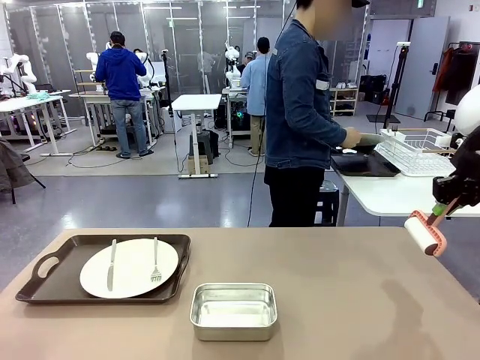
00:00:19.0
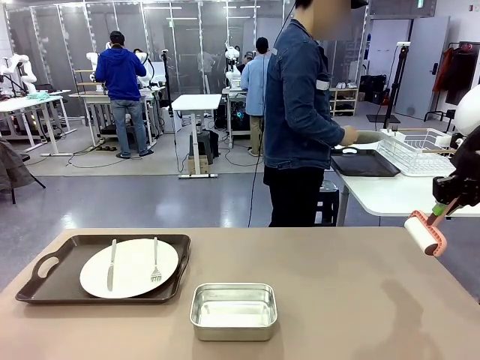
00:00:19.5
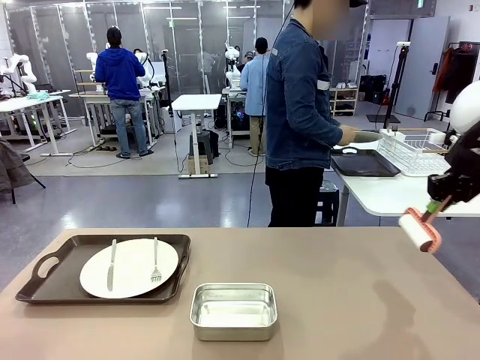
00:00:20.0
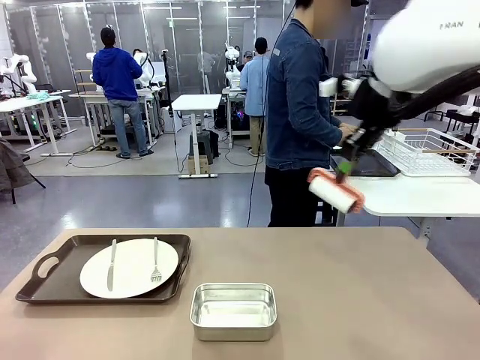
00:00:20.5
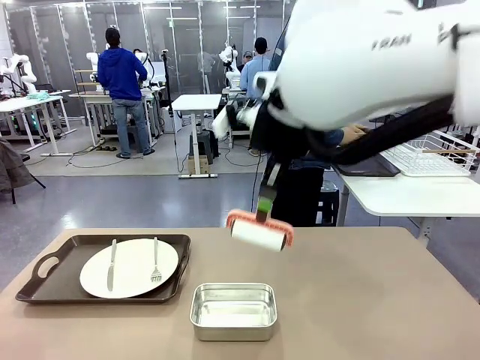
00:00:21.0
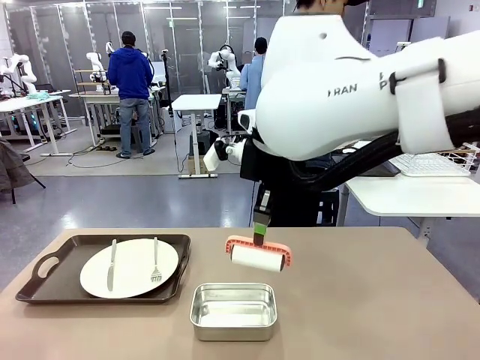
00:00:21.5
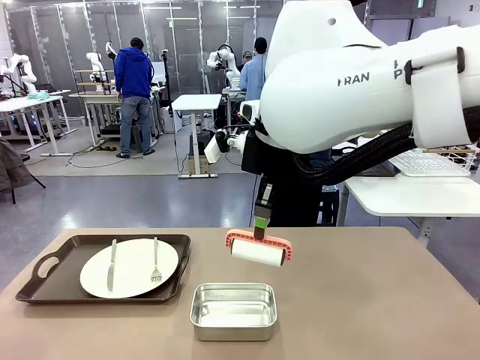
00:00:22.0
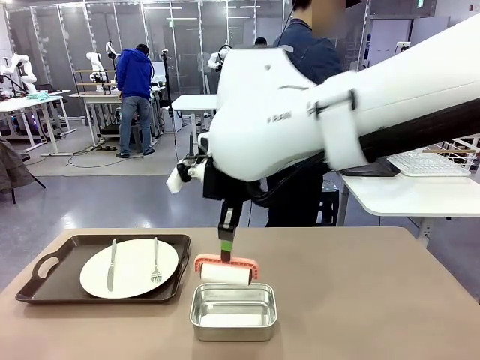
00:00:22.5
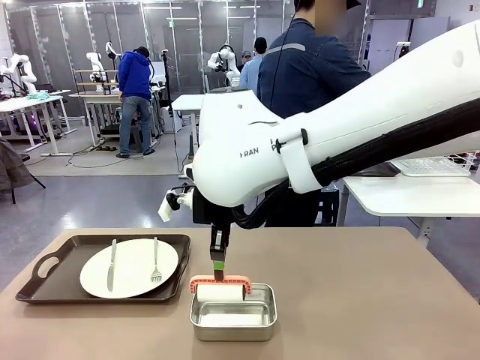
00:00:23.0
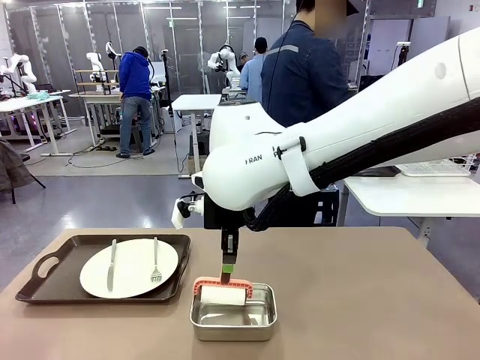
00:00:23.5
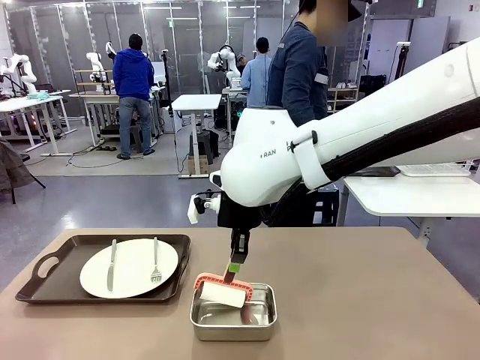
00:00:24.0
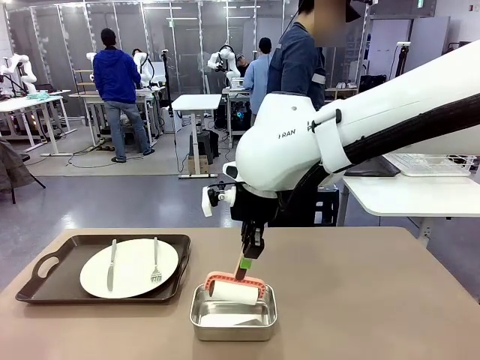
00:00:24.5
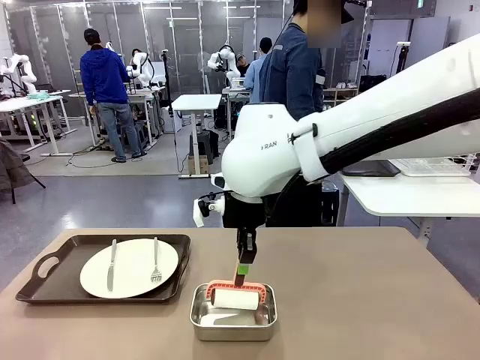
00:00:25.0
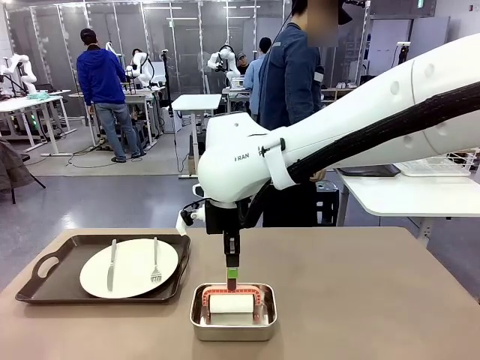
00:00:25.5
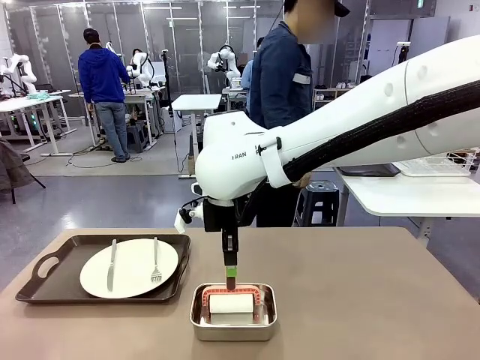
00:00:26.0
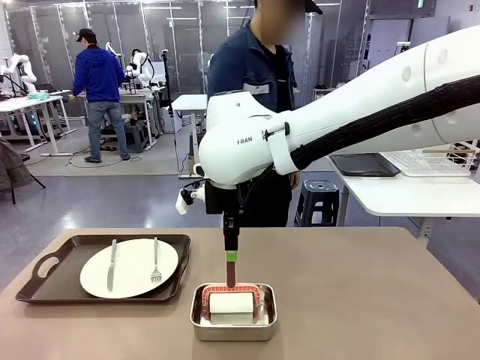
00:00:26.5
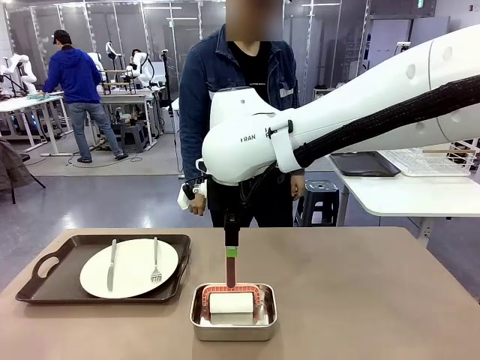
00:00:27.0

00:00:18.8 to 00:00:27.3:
Robot: Place the Lint Roller back on top of the Airtight Container.

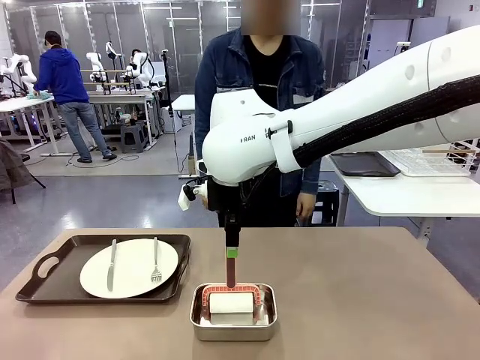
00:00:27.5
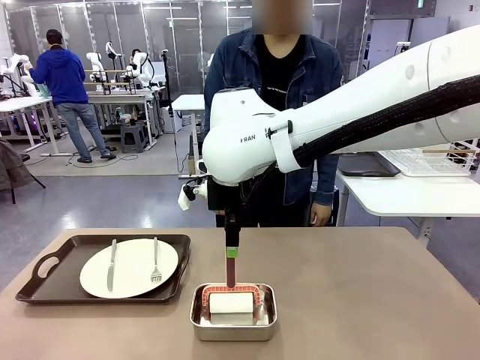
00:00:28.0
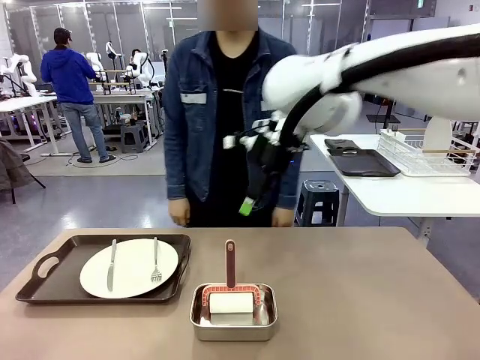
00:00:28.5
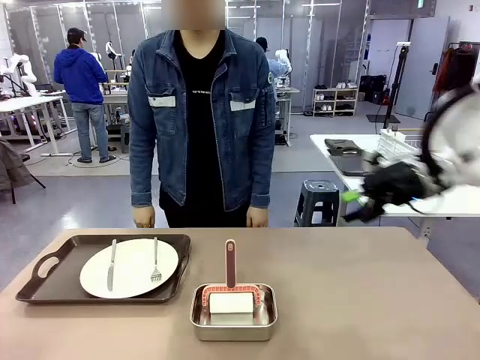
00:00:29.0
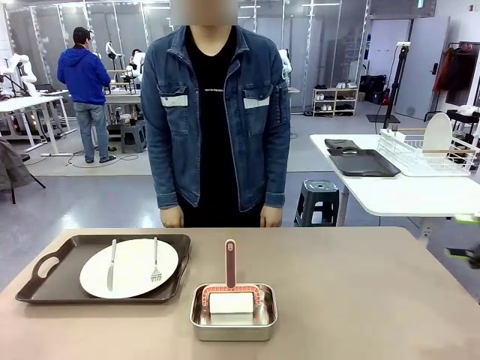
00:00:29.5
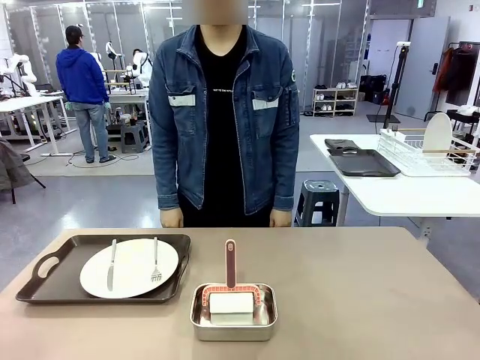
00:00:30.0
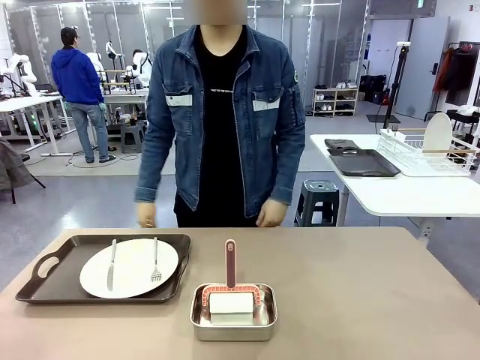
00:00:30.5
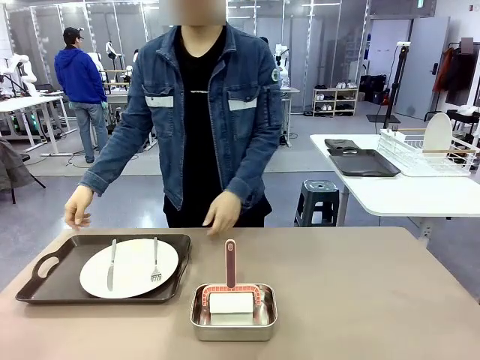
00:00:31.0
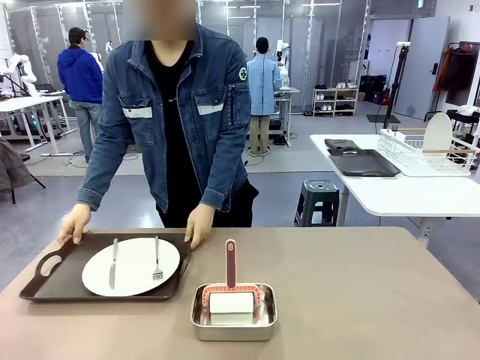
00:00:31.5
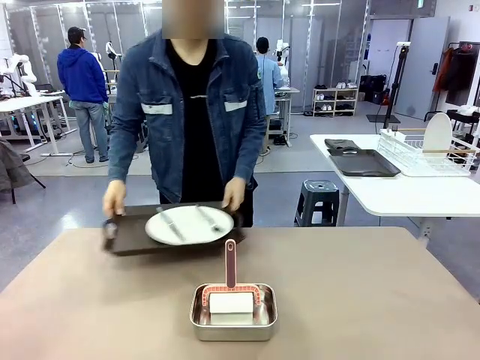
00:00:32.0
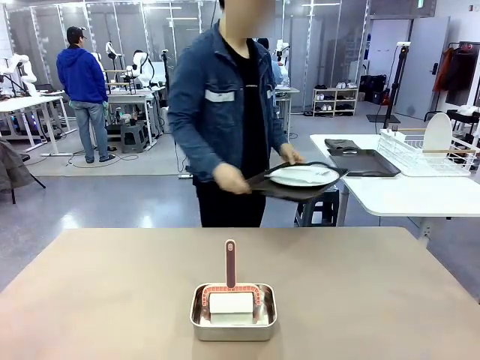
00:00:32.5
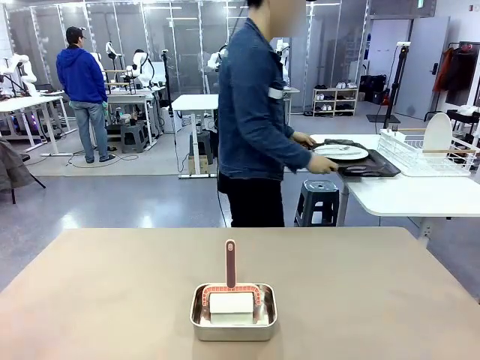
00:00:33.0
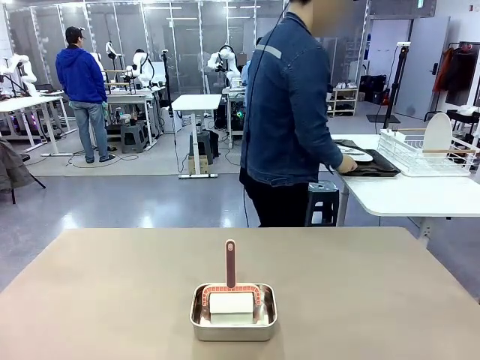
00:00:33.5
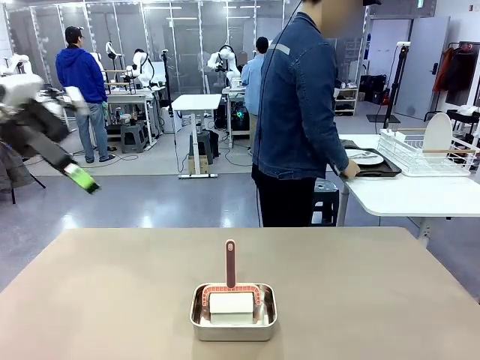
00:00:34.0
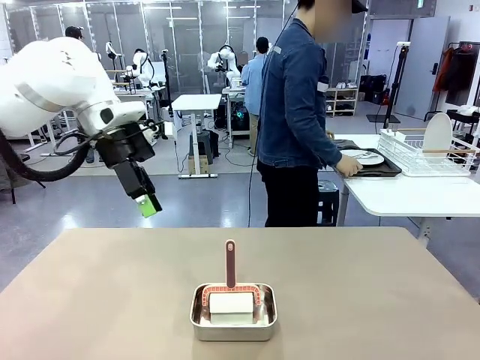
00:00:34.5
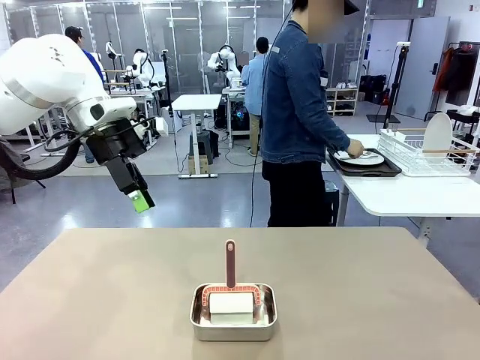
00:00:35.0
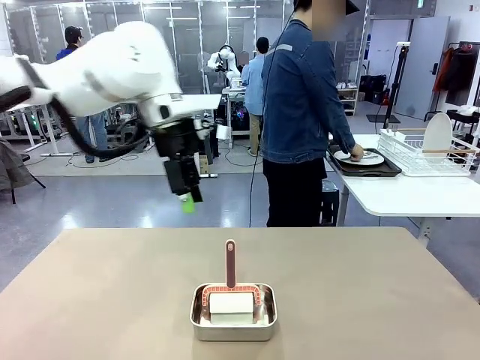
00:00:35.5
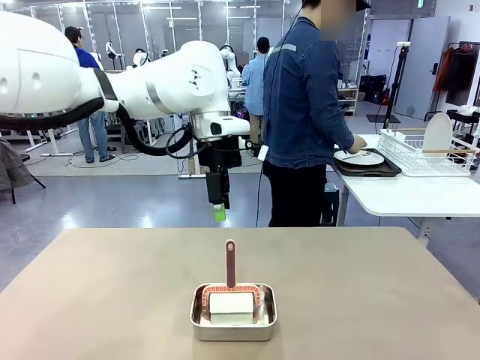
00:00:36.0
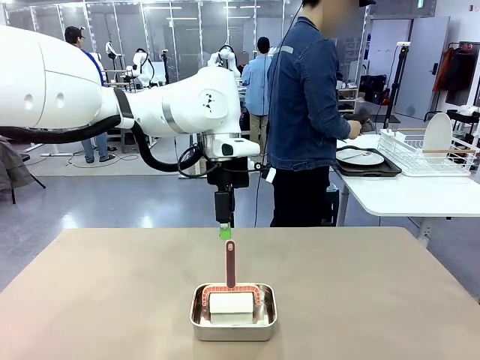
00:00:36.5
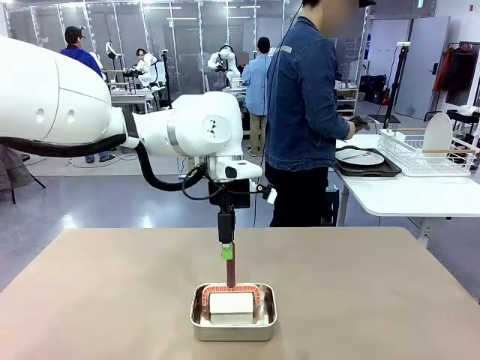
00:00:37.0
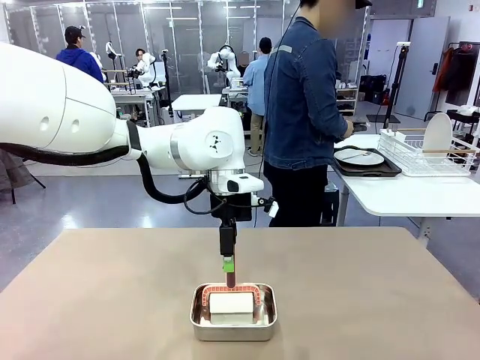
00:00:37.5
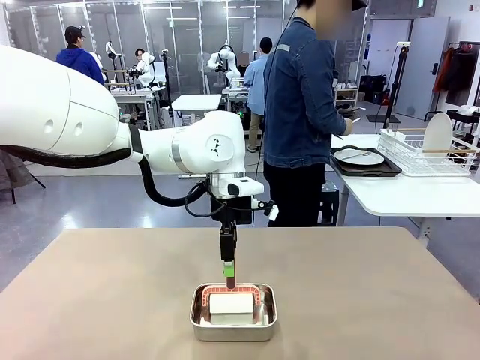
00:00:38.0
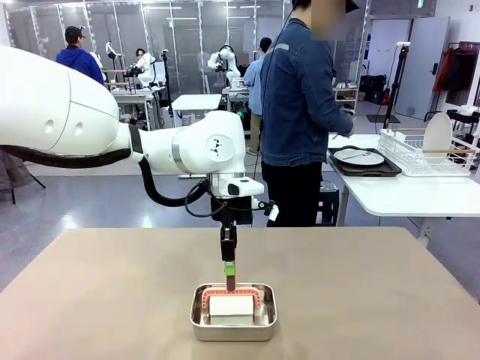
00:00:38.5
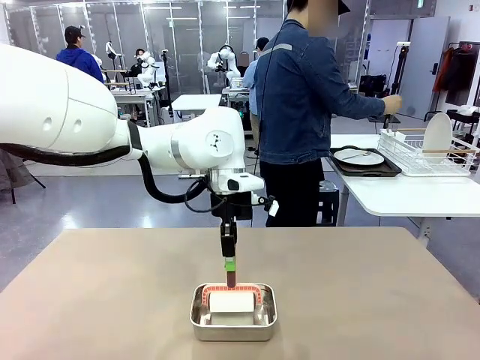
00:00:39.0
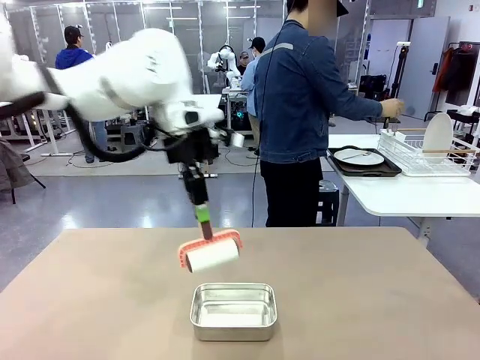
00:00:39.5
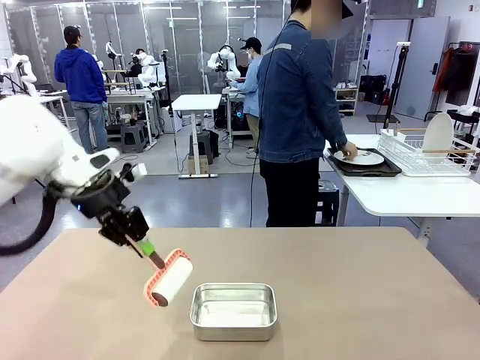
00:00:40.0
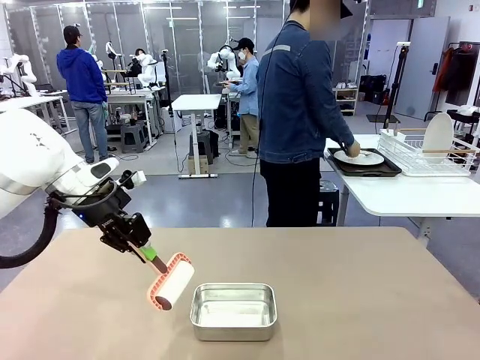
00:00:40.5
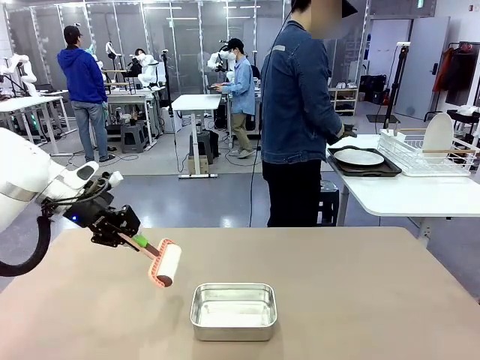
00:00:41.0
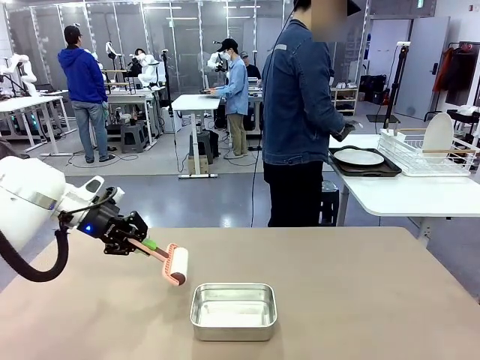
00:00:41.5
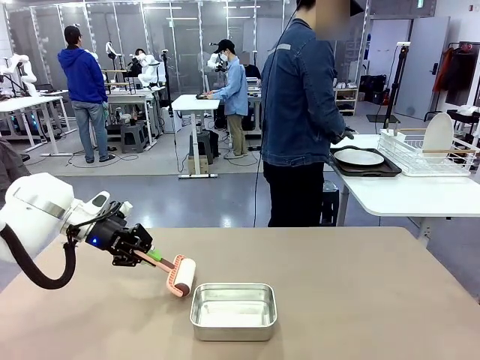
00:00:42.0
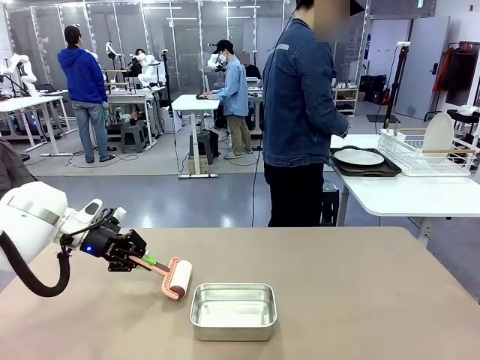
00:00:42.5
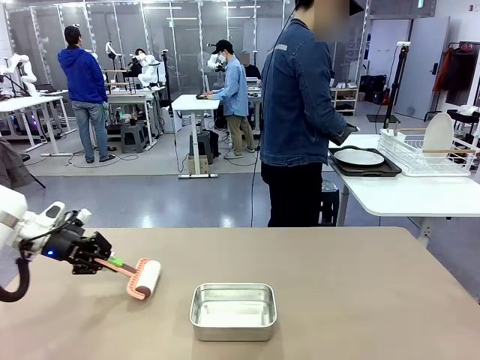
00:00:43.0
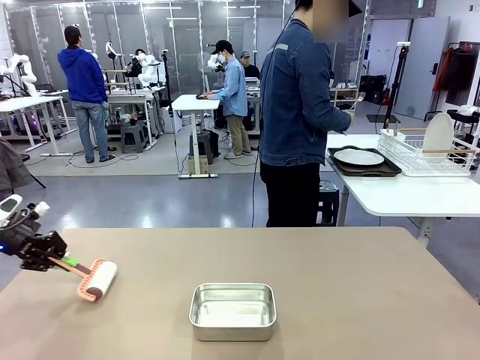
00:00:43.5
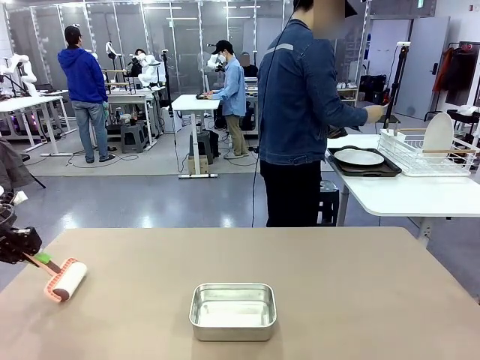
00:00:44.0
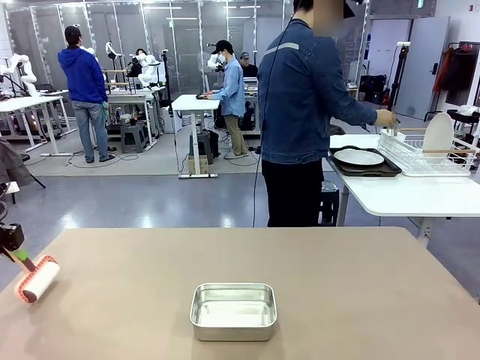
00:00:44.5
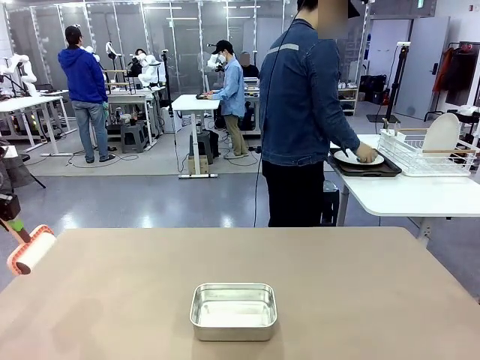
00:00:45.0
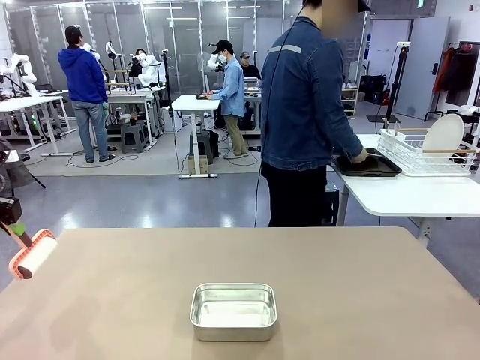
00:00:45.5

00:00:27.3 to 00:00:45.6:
Robot: When the right (or left) Handle tray is removed, use the right hand (or left hand) to clean the right (or left) side of the table with the Lint Roller.
Person: Pick up the left (or right) Handle tray and place it on the Handle tray. Use the Towel with hook to wipe the Plastic Matte Plate , Fork , and Knife and place into the Dish drying rack.

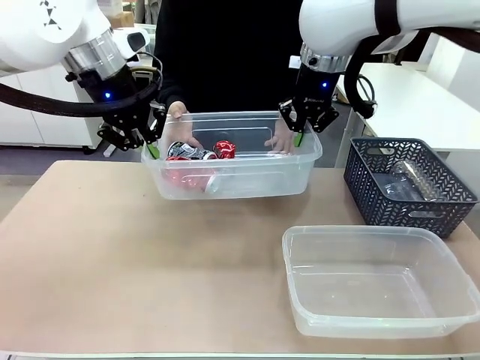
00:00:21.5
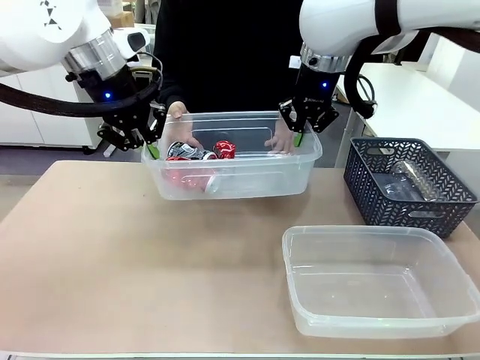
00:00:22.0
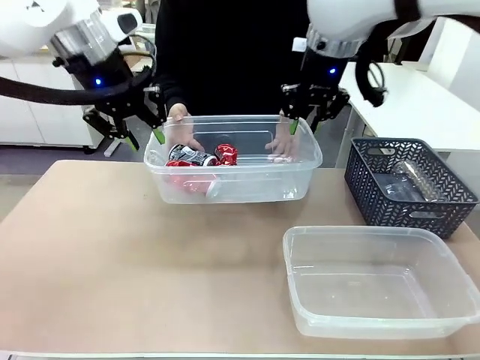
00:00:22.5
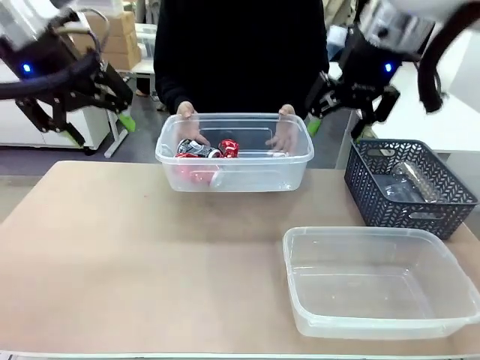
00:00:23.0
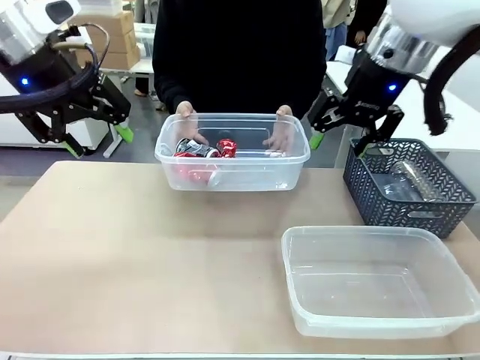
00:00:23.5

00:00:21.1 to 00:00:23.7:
Robot: Release the Organizing box you were holding.
